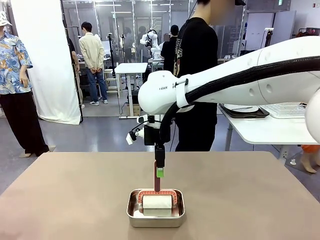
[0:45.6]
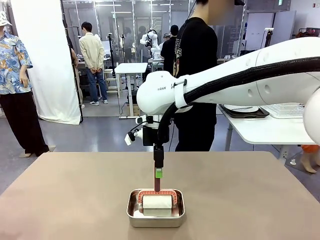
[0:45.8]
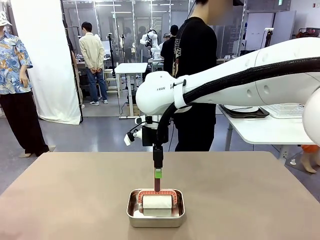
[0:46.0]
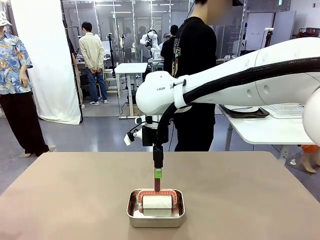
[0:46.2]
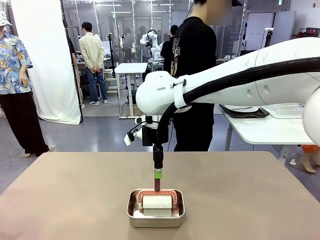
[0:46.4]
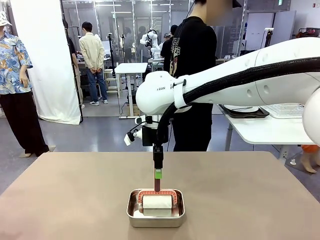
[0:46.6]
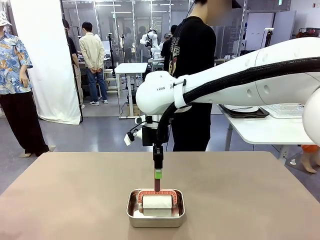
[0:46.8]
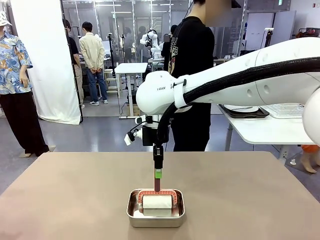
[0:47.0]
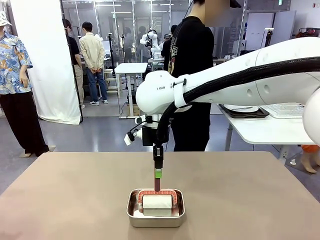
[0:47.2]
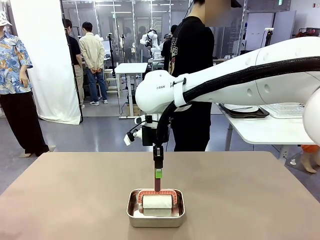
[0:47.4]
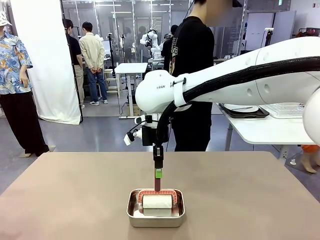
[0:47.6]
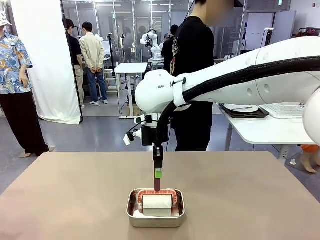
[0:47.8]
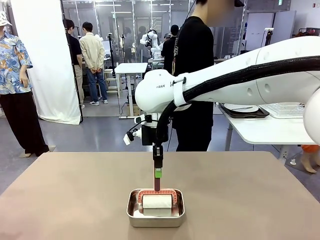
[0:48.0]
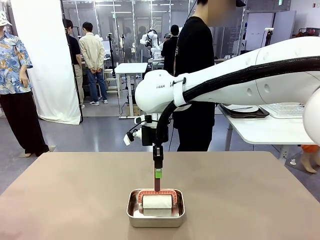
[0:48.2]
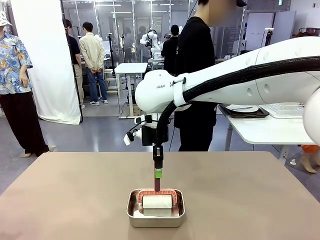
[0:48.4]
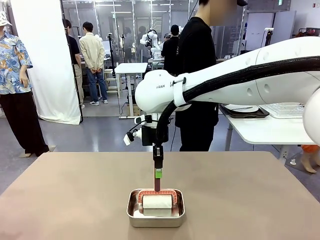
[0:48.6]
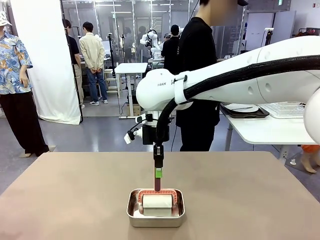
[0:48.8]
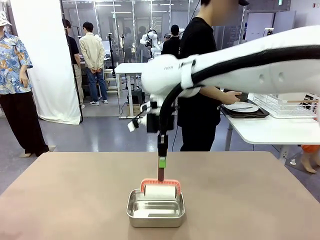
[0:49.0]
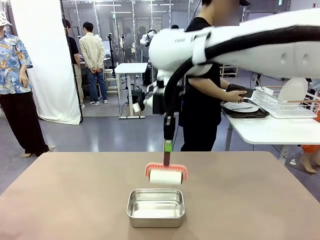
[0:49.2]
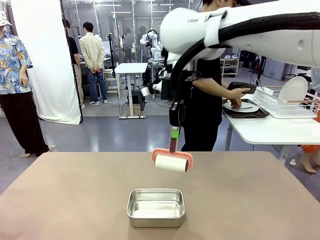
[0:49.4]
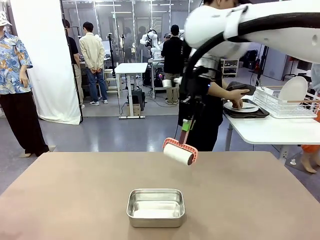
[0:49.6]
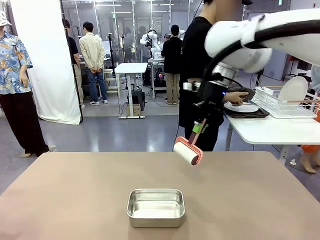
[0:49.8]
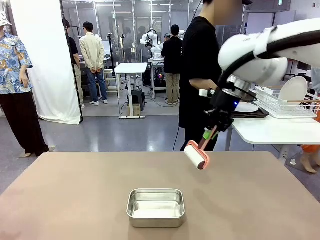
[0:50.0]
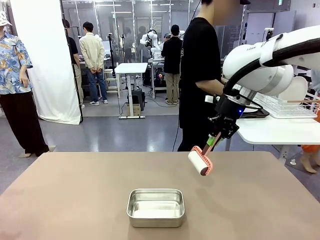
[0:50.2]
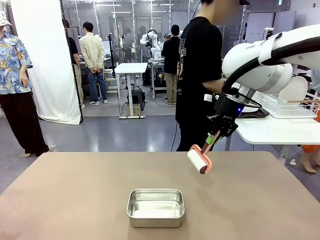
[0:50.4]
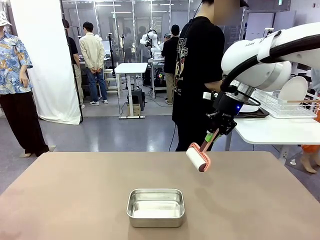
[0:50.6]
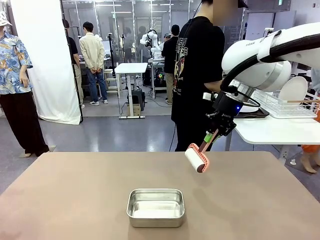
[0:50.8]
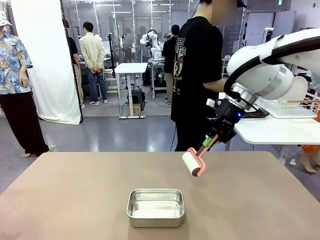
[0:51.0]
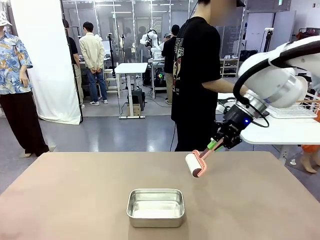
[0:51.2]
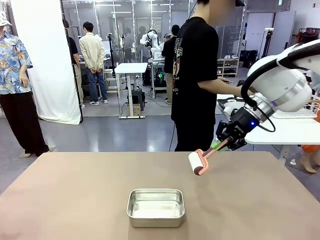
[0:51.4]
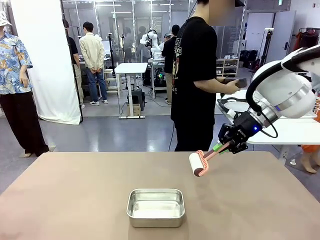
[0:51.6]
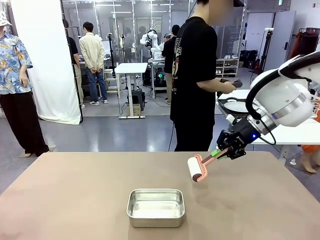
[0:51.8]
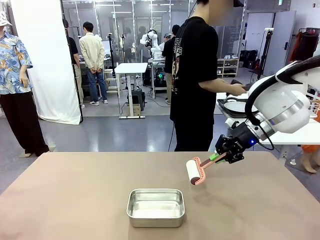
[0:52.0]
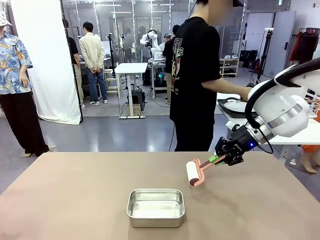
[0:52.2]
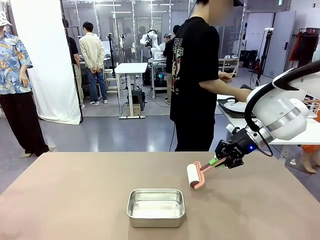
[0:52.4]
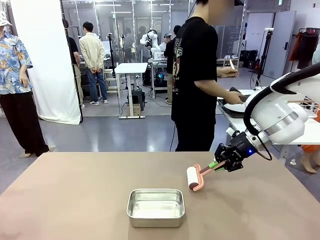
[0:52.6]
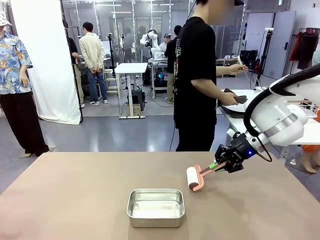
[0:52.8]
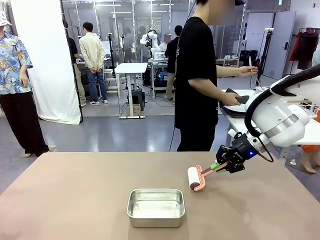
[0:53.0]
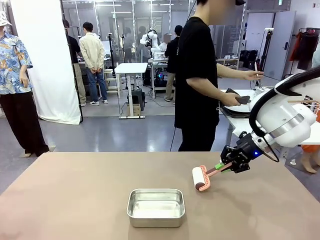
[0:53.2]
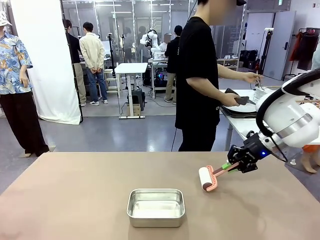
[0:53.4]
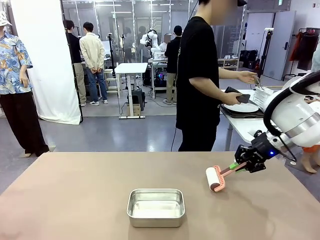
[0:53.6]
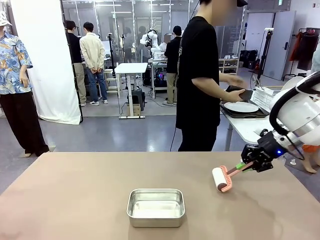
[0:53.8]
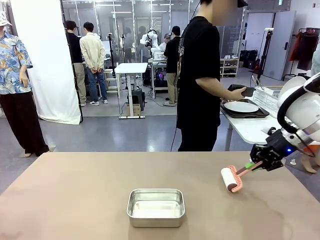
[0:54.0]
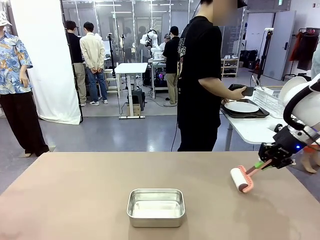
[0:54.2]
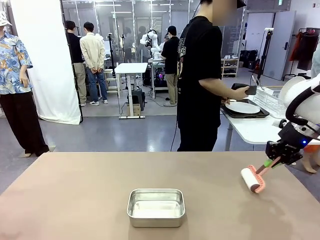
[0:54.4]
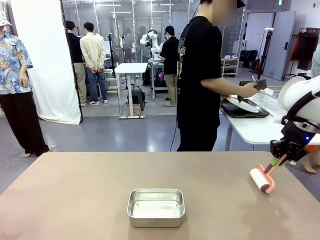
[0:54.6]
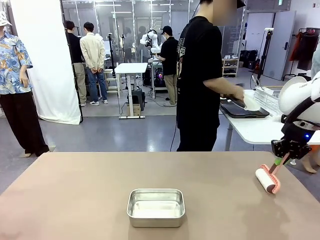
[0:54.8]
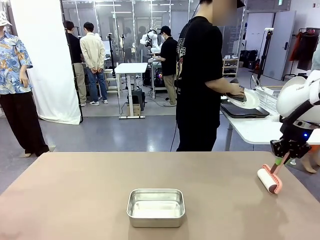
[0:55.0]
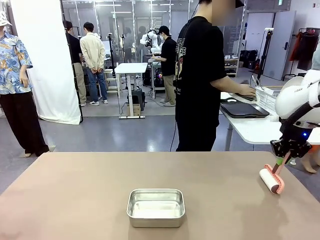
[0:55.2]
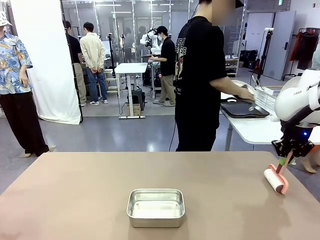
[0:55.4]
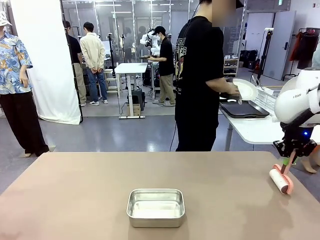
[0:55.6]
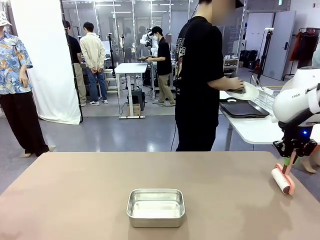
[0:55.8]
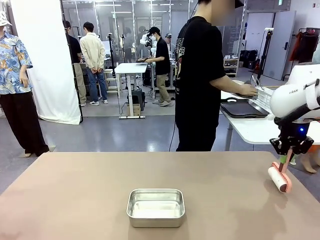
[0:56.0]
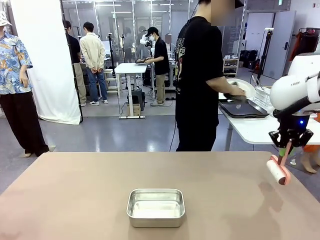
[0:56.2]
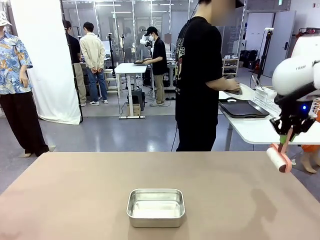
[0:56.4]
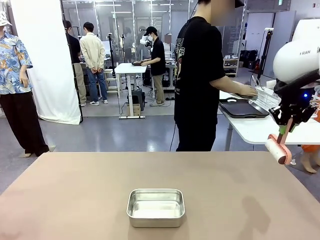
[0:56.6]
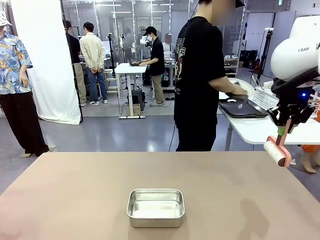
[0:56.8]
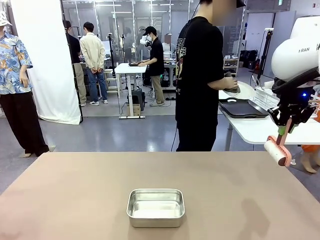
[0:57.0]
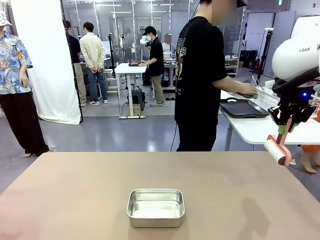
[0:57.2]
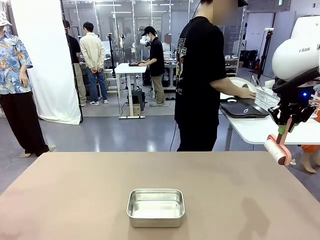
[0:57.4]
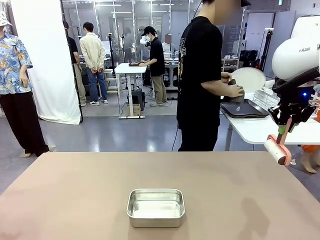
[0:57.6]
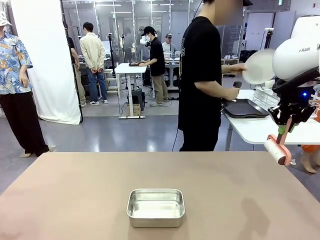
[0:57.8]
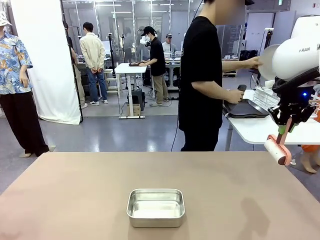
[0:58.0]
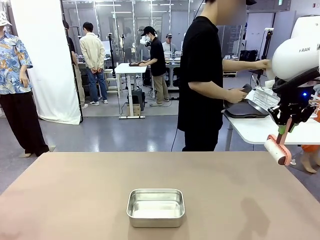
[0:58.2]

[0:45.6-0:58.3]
Robot: When the right (or left) Handle tray is removed, use the right hand (or left hand) to clean the right (or left) side of the table with the Lint Roller.

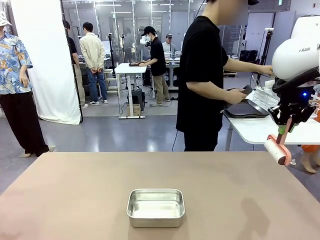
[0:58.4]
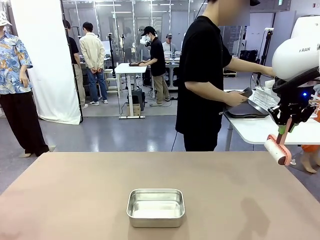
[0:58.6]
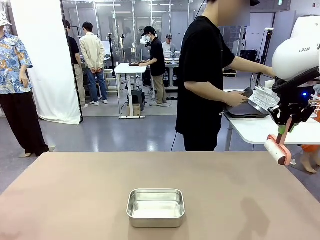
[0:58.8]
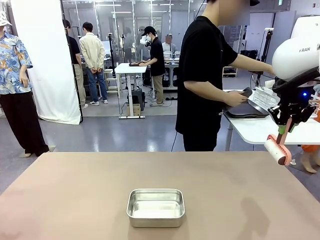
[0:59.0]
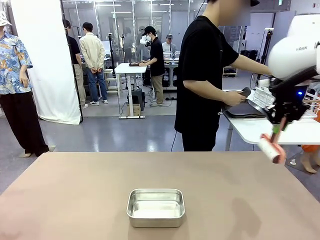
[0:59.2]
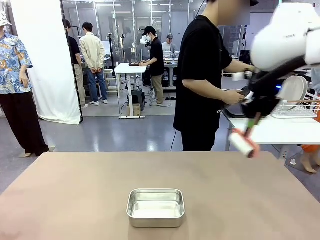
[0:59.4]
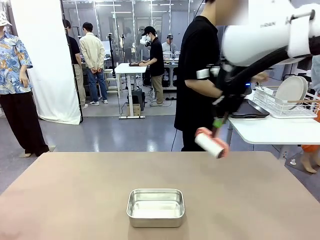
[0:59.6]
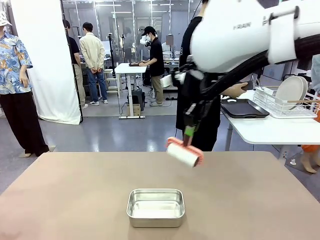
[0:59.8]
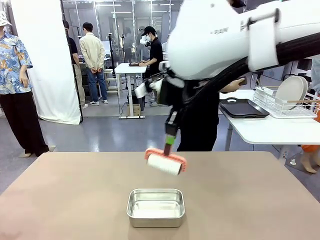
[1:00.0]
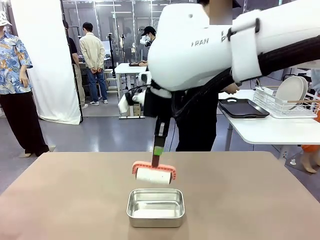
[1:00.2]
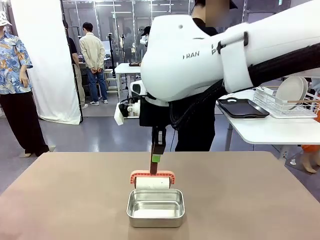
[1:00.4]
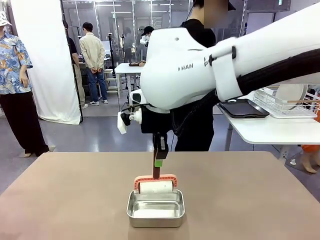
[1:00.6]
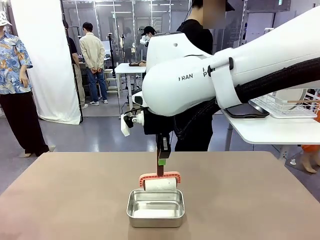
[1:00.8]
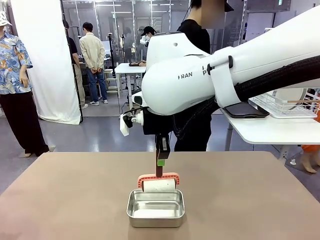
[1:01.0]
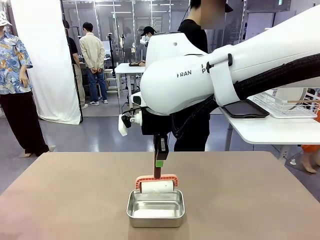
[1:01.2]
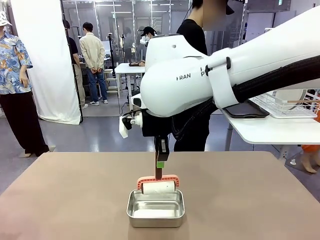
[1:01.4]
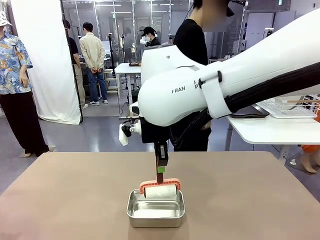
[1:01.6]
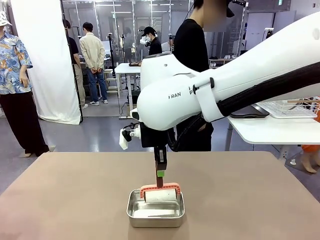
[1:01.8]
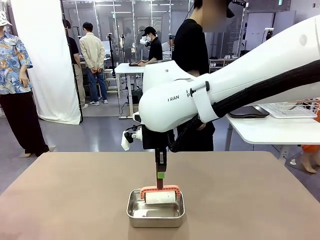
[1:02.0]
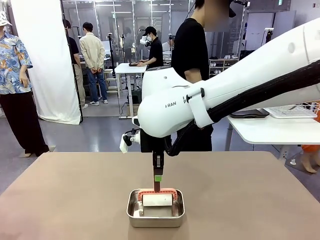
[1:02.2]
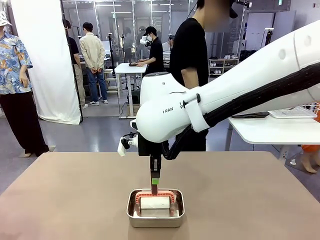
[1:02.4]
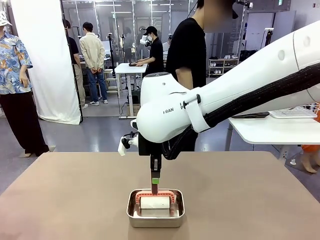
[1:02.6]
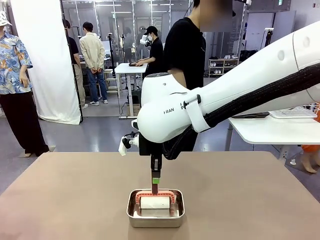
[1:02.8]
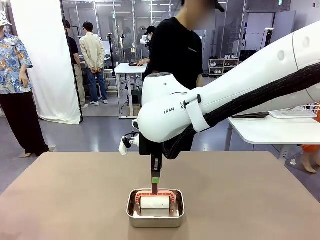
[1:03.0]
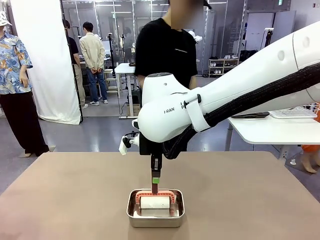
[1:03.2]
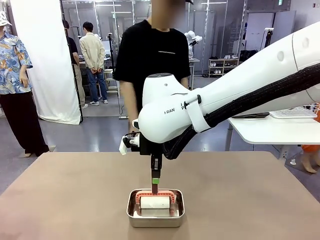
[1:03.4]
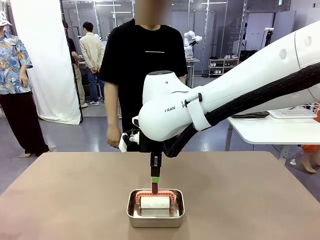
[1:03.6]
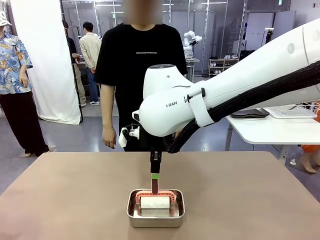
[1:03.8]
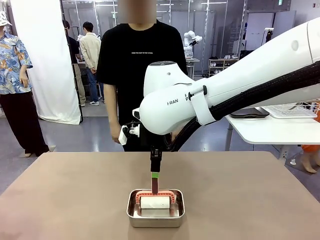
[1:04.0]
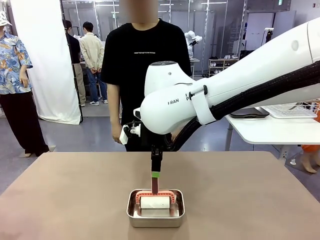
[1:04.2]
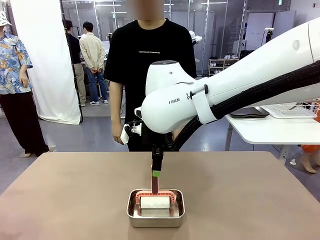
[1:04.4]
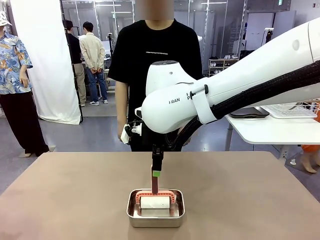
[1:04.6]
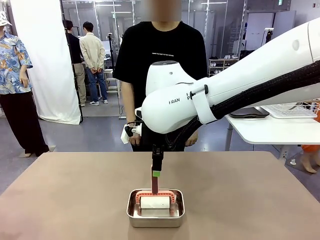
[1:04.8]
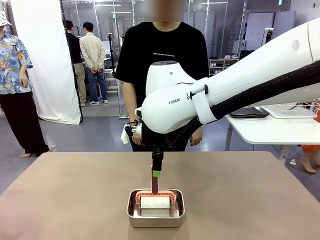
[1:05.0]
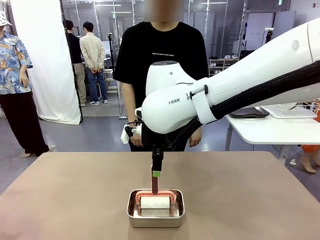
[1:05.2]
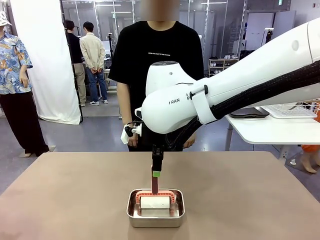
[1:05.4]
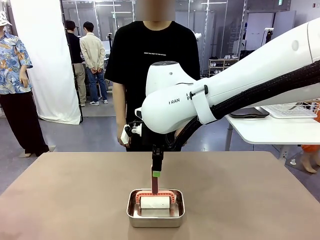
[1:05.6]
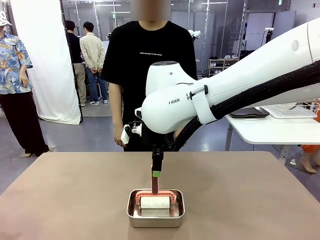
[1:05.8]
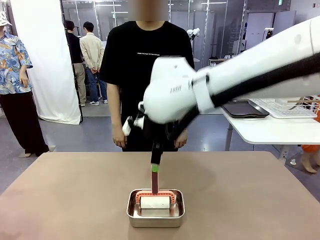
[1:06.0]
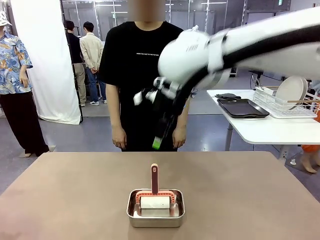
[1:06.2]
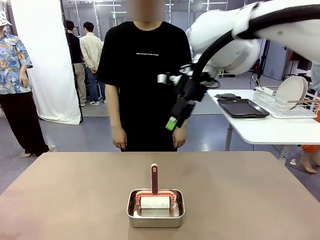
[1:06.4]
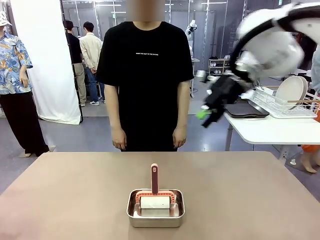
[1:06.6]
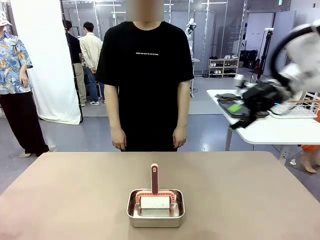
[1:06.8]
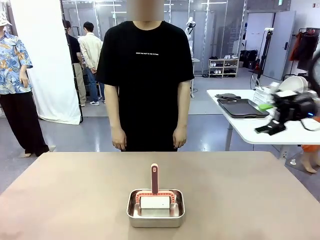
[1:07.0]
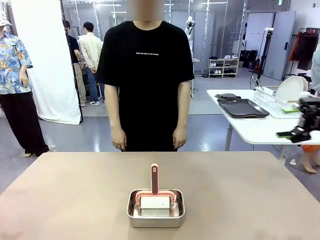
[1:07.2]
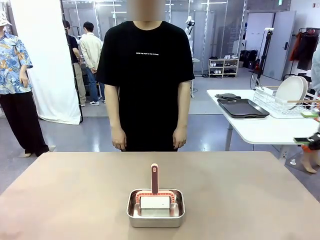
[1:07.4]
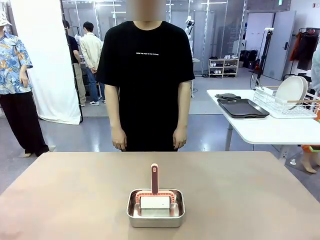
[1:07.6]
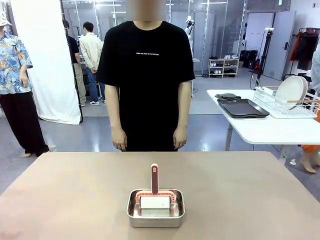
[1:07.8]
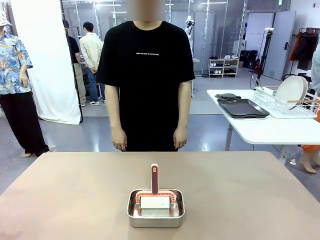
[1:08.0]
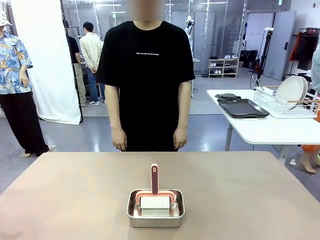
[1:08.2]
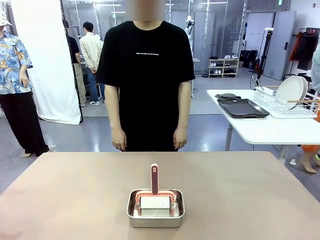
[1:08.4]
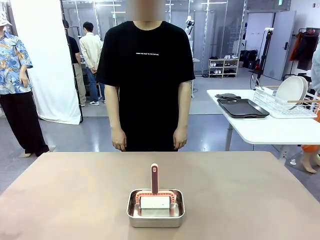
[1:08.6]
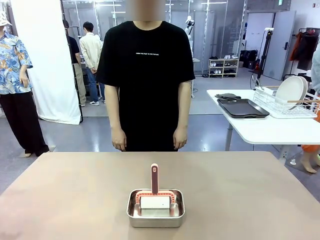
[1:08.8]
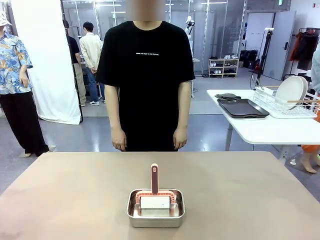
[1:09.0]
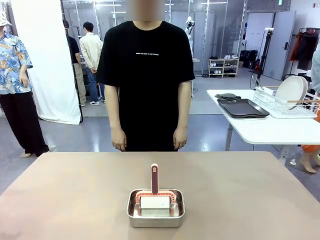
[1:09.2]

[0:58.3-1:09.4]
Robot: Place the Lint Roller back on top of the Airtight Container.
